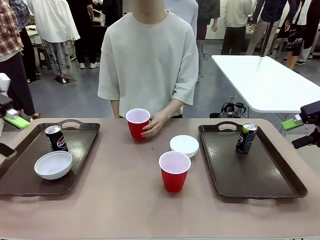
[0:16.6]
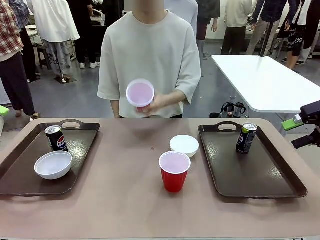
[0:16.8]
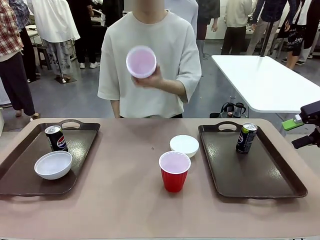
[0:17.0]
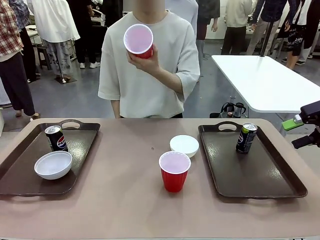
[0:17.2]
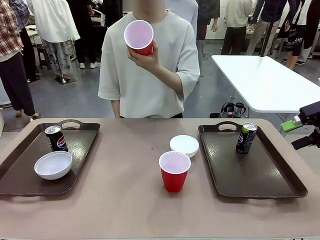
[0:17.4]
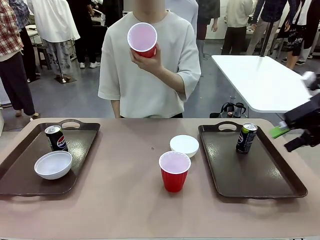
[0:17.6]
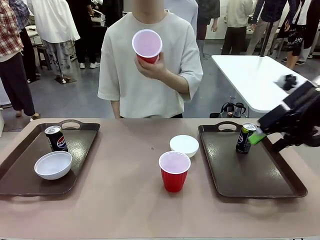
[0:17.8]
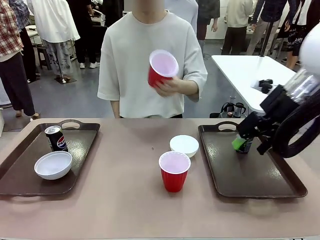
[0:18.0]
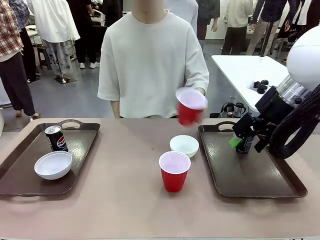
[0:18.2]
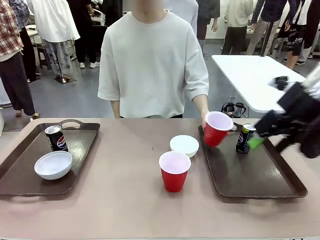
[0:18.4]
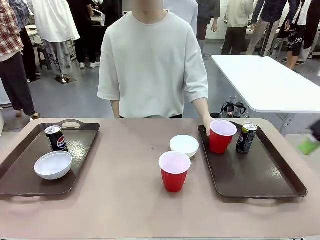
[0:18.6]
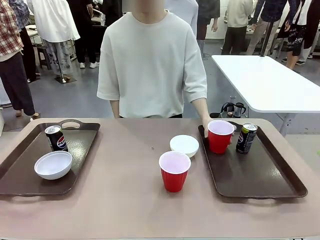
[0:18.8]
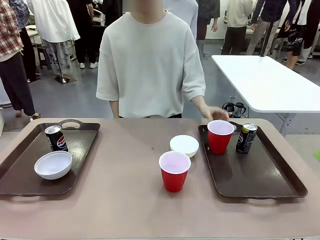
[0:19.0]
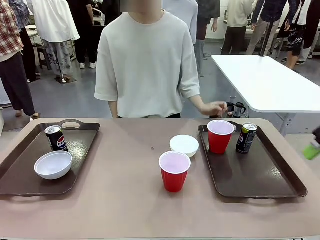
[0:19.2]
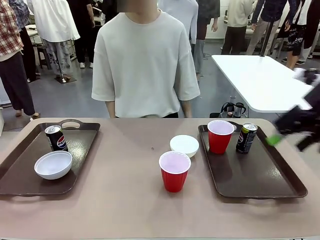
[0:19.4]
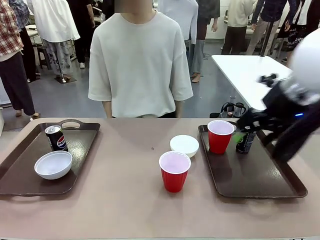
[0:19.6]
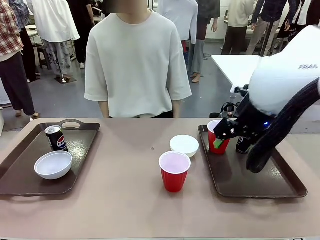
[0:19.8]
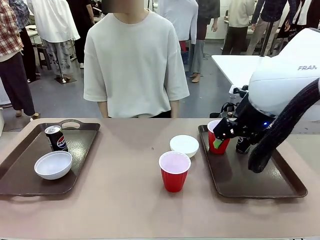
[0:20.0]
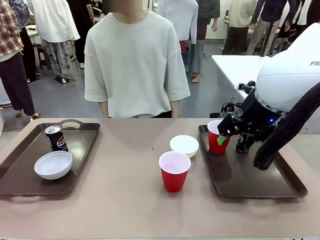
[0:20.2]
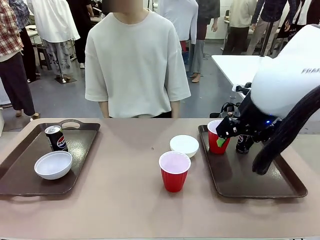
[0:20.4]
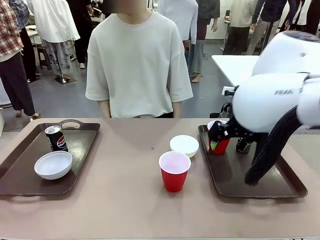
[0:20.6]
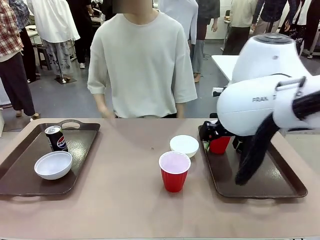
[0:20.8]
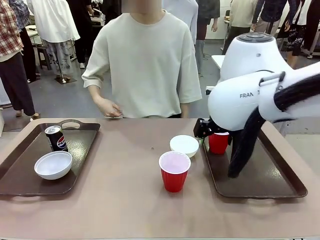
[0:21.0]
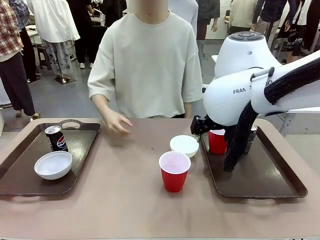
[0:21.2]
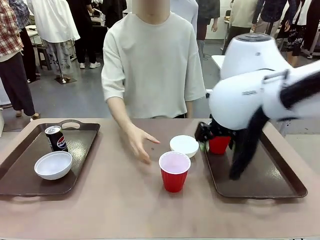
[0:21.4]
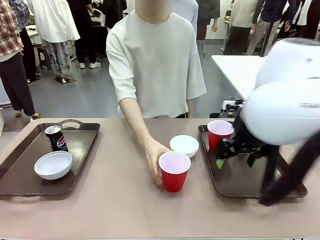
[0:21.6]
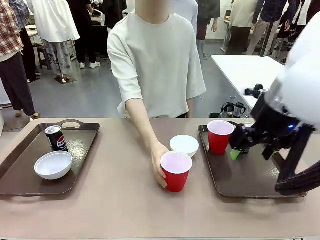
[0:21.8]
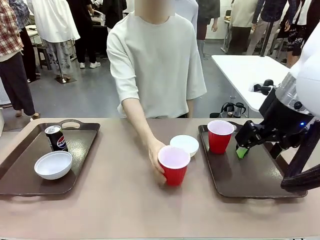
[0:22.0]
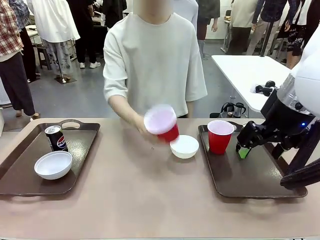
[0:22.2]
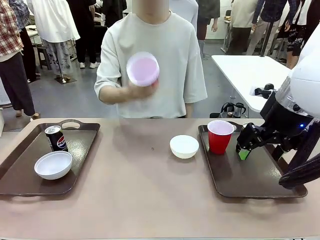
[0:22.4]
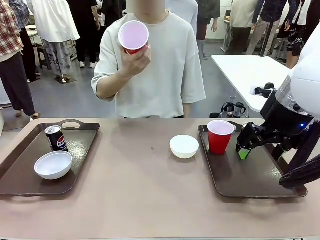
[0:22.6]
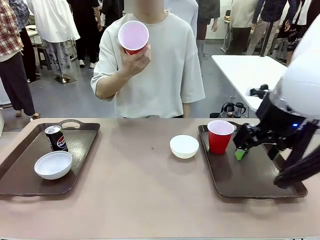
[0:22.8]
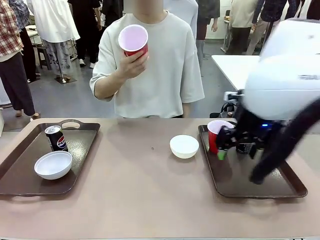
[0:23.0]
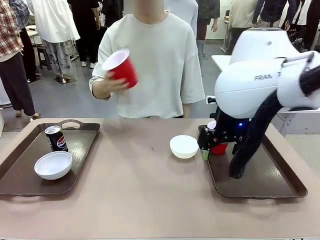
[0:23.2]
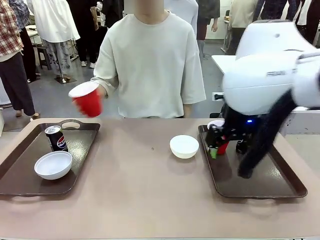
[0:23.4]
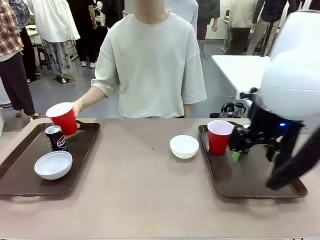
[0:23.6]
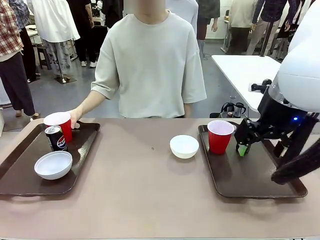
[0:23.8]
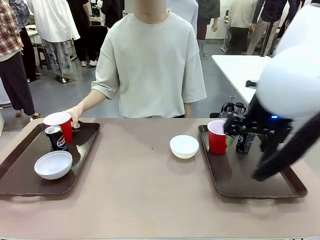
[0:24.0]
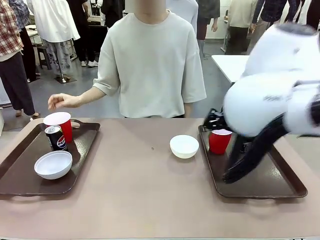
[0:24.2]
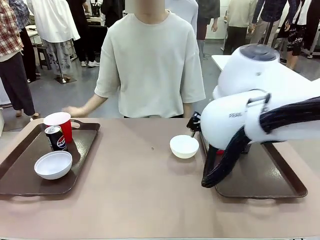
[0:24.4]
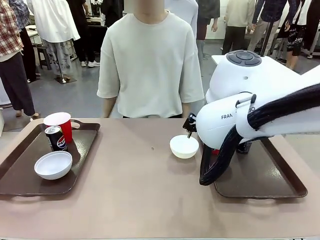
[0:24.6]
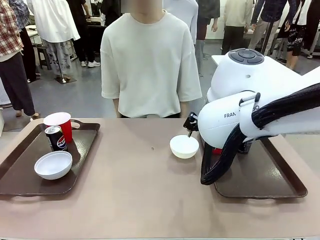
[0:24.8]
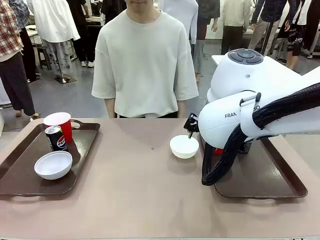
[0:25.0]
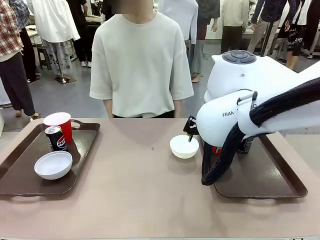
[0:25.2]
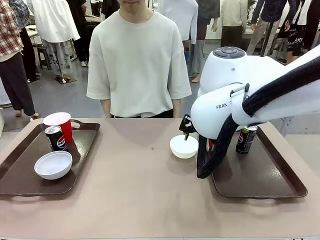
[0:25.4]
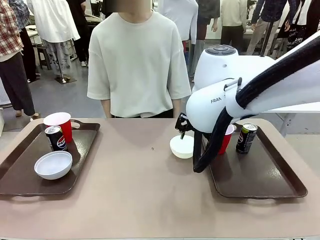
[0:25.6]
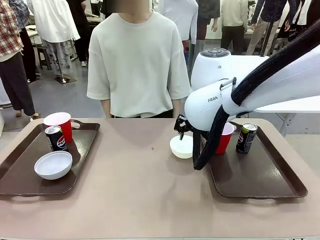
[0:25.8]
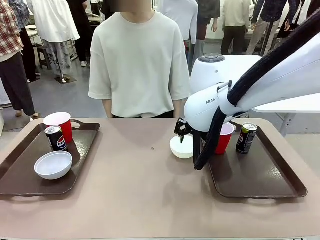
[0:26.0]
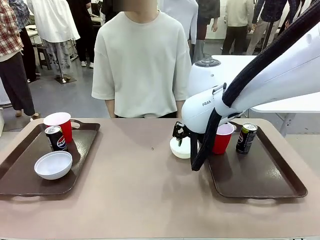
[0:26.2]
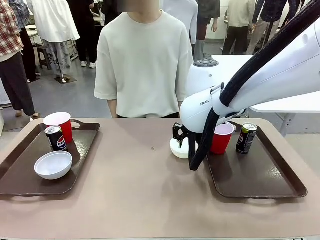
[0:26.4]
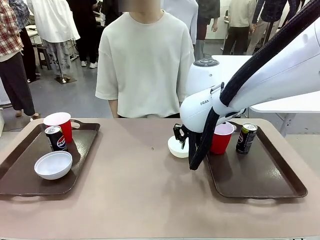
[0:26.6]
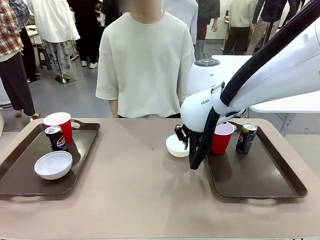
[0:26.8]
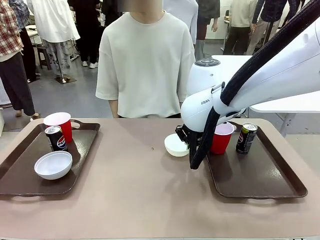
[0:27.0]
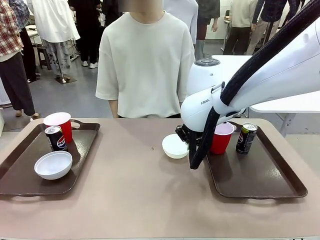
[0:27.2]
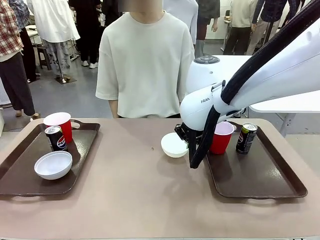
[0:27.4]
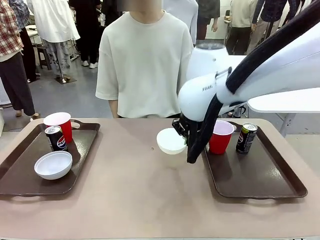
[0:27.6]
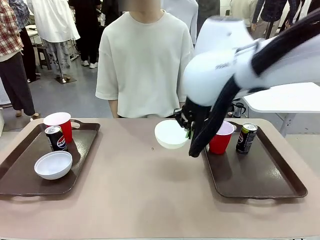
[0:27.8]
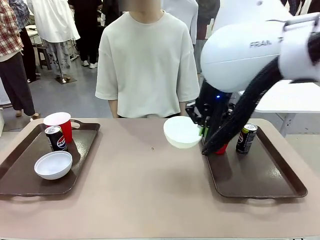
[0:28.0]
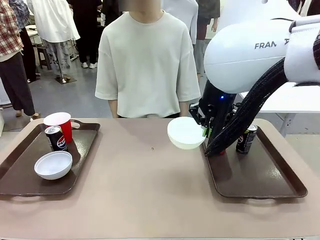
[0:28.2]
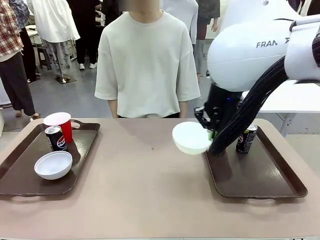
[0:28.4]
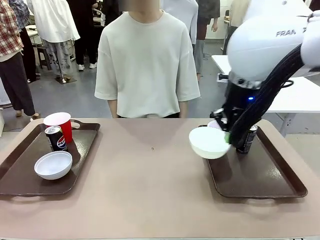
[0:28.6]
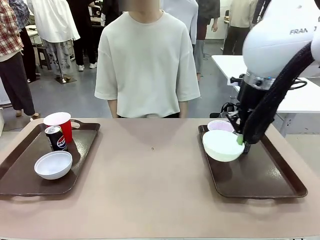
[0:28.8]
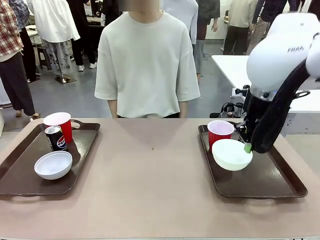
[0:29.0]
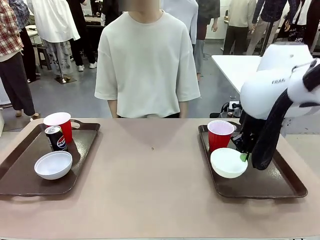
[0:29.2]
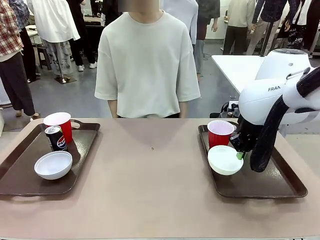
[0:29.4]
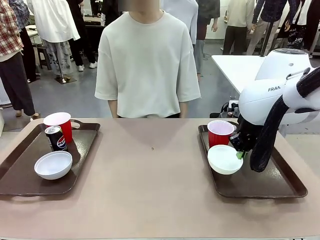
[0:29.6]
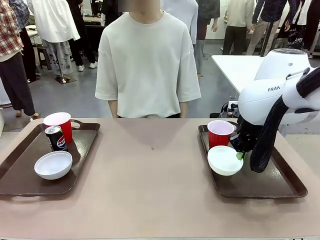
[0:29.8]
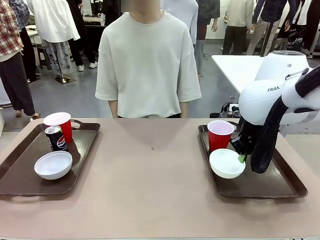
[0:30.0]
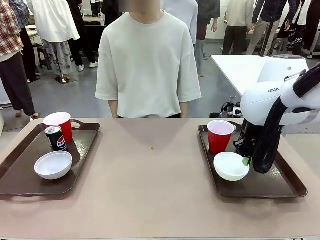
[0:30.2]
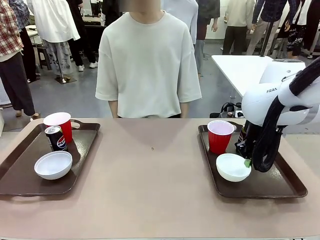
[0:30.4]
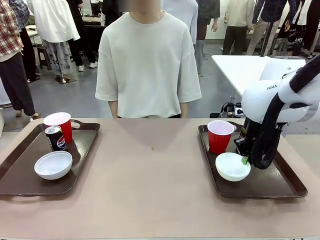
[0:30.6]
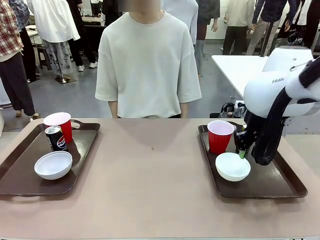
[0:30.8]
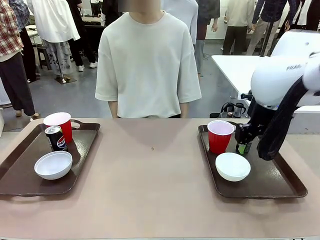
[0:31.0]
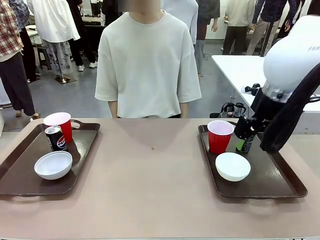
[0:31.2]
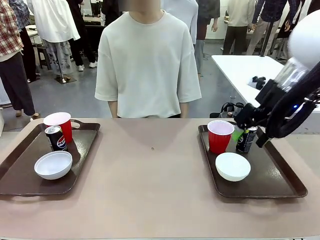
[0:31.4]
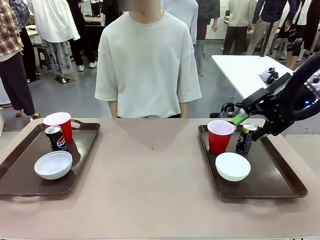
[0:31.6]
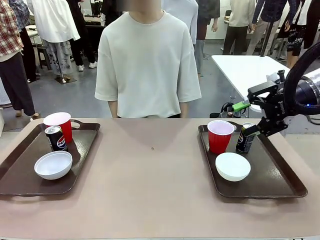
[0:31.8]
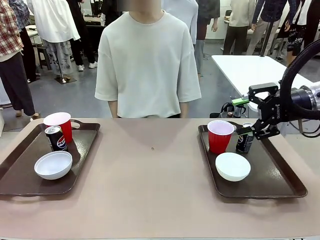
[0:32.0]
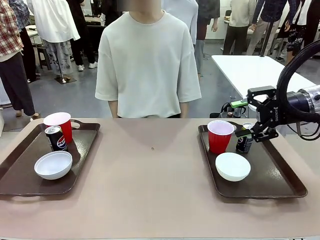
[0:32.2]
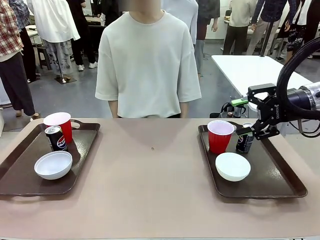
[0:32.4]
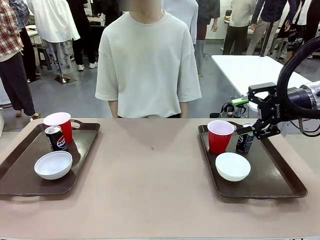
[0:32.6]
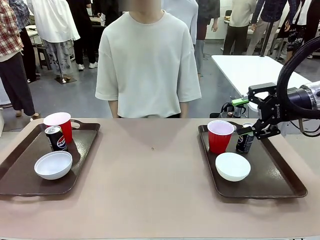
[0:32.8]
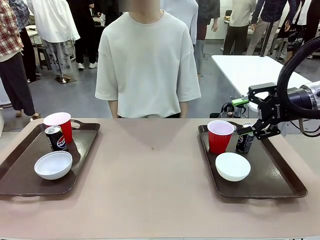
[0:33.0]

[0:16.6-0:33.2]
Task: Prepare tableware on both trays.
Robot: Pick up a Picnic Bowl from the table and place it on a Handle tray.
Person: Pick up a can or cup and place it on the tray without a can or cup.
